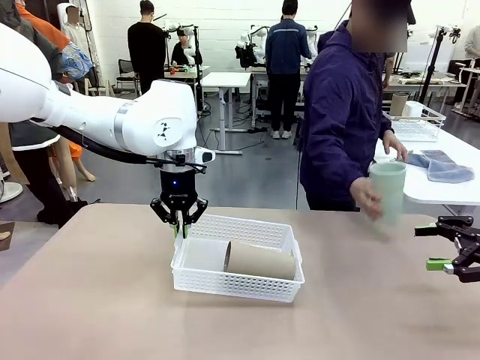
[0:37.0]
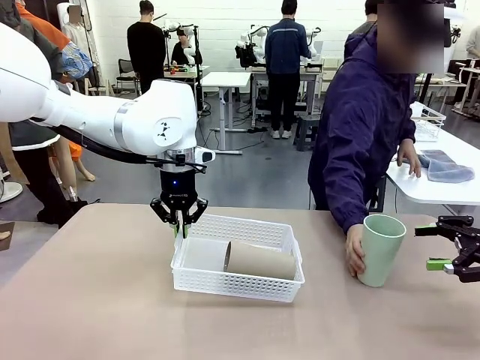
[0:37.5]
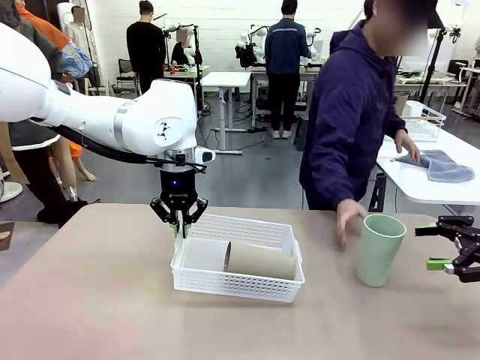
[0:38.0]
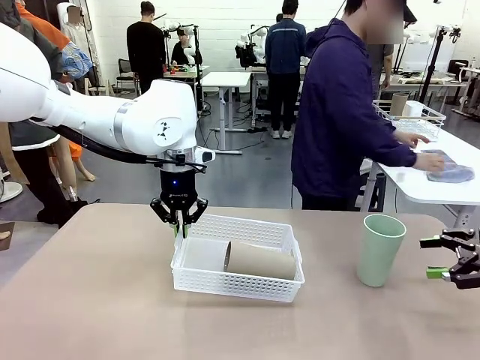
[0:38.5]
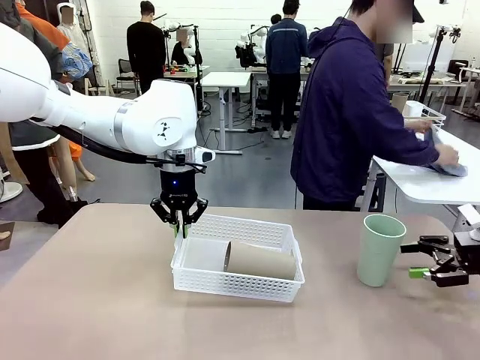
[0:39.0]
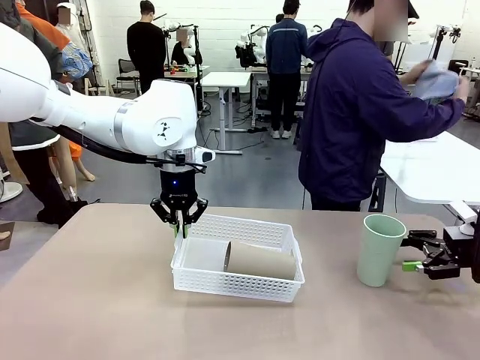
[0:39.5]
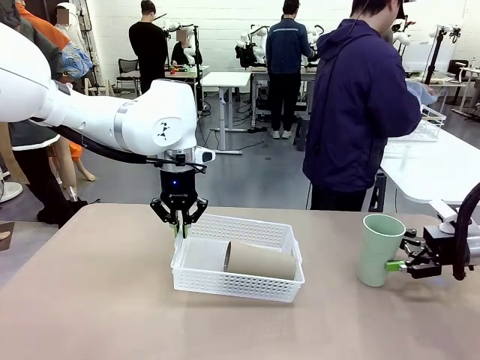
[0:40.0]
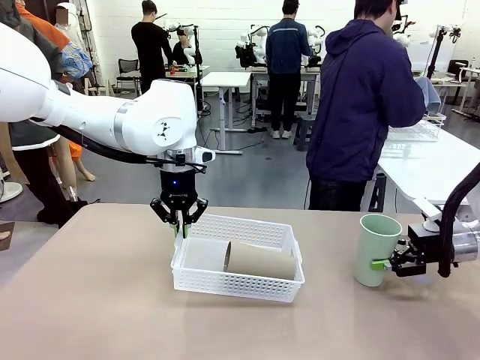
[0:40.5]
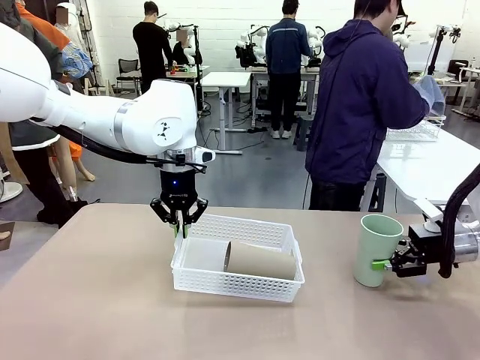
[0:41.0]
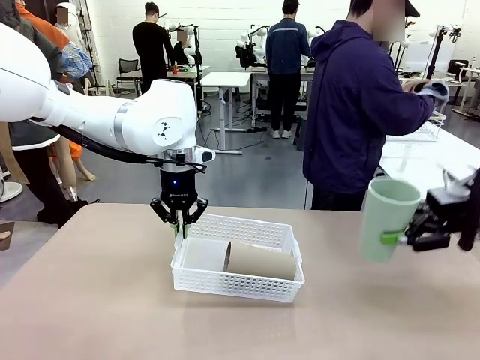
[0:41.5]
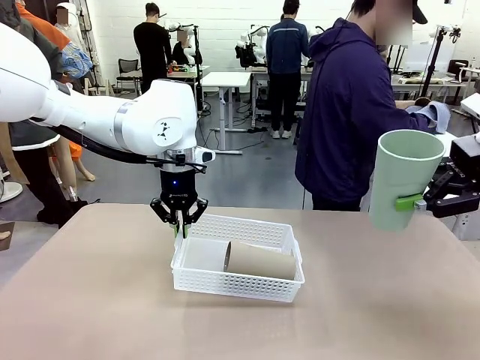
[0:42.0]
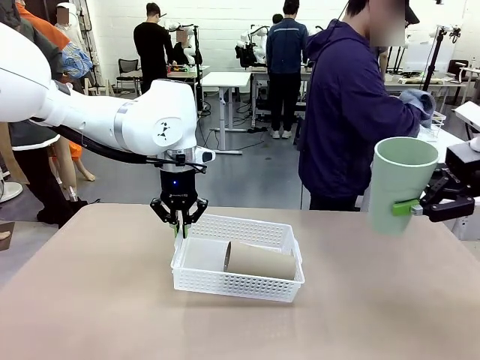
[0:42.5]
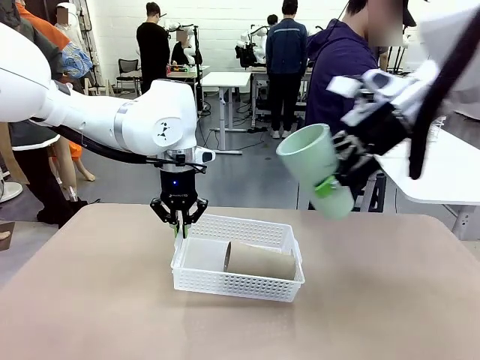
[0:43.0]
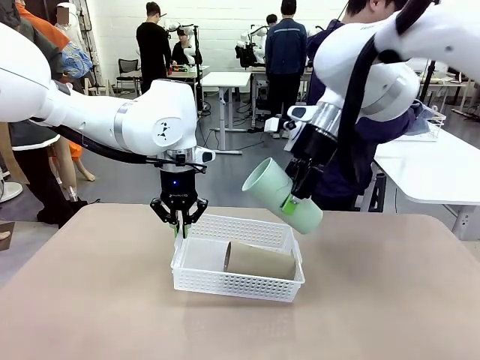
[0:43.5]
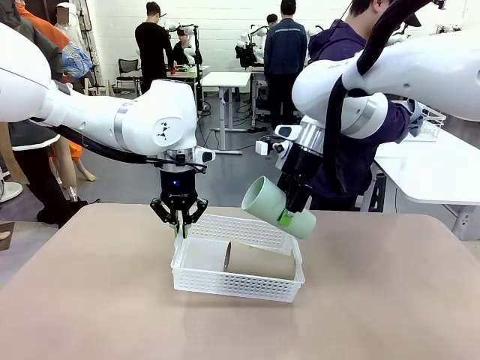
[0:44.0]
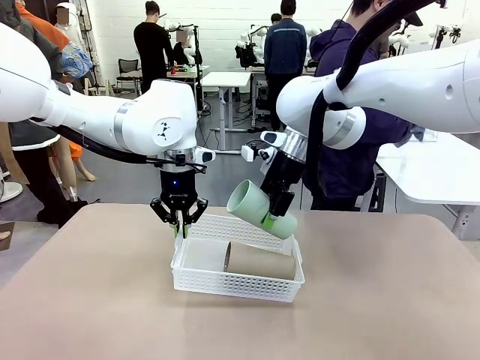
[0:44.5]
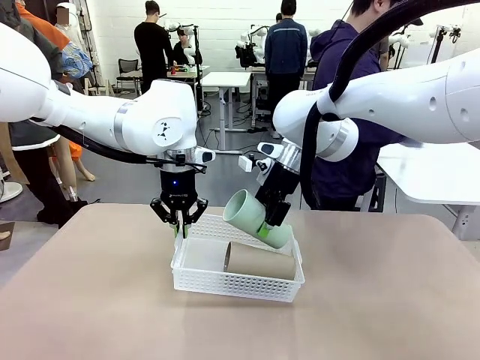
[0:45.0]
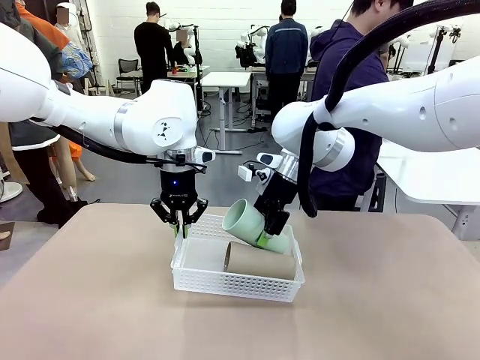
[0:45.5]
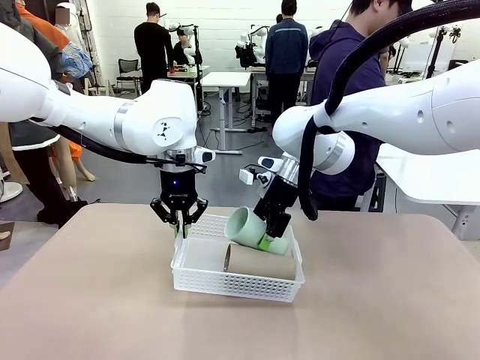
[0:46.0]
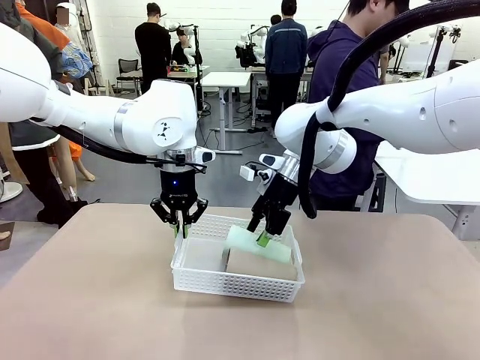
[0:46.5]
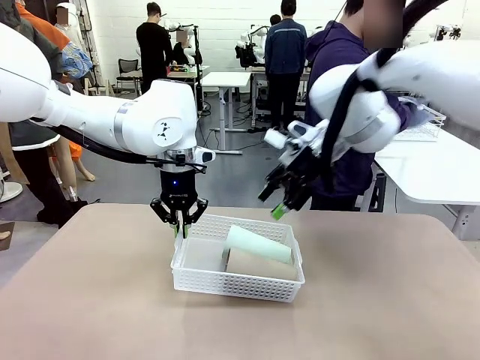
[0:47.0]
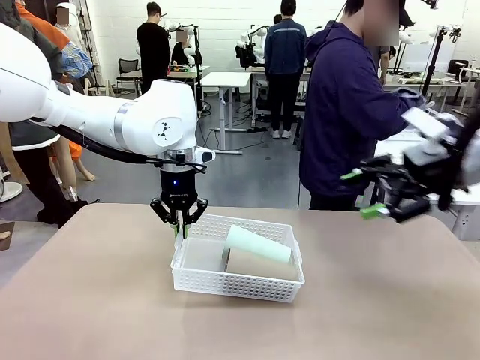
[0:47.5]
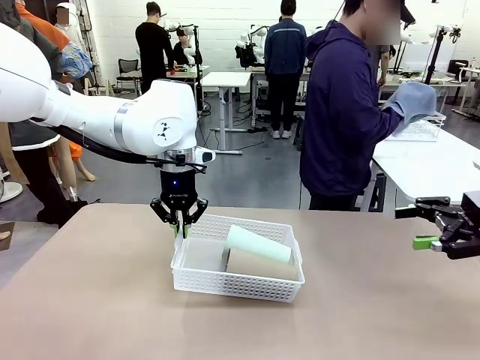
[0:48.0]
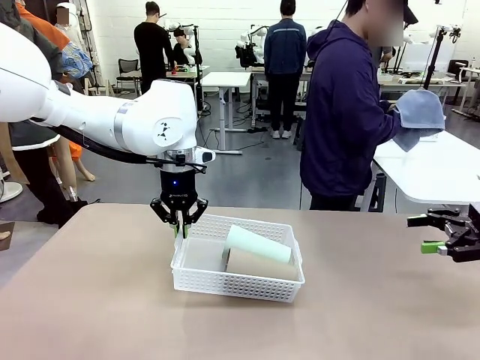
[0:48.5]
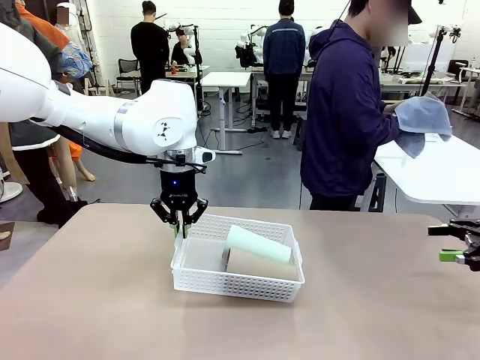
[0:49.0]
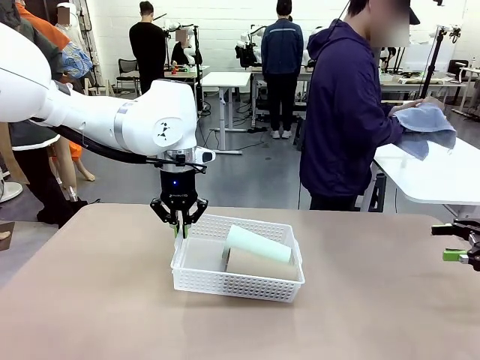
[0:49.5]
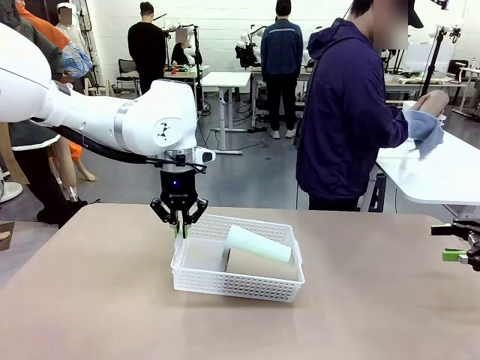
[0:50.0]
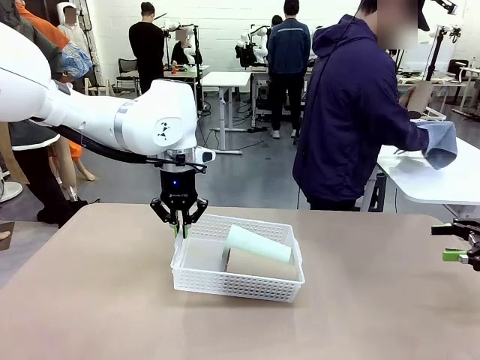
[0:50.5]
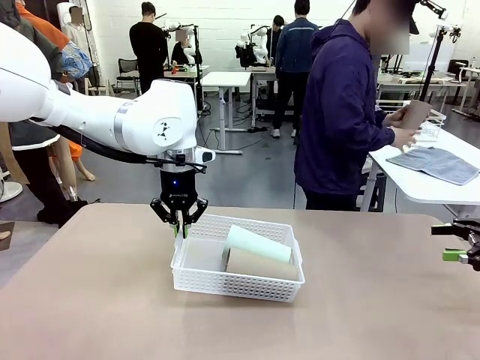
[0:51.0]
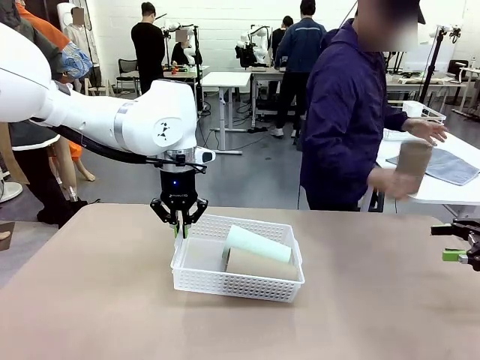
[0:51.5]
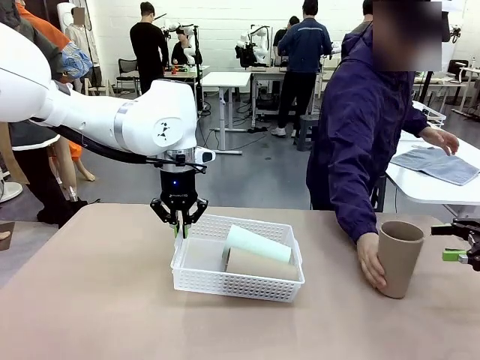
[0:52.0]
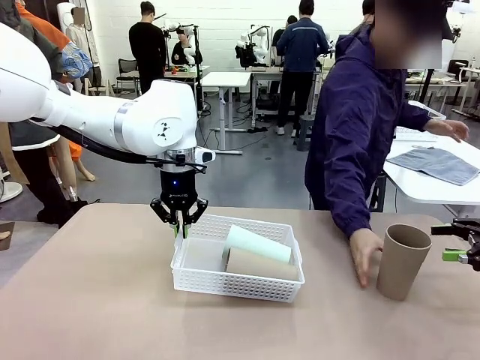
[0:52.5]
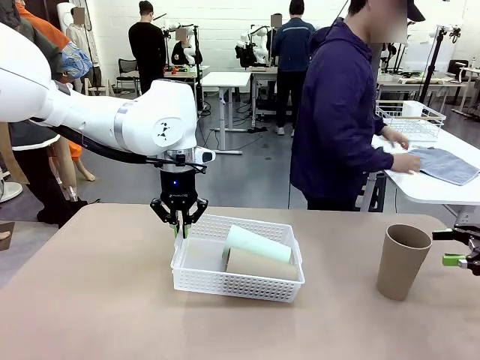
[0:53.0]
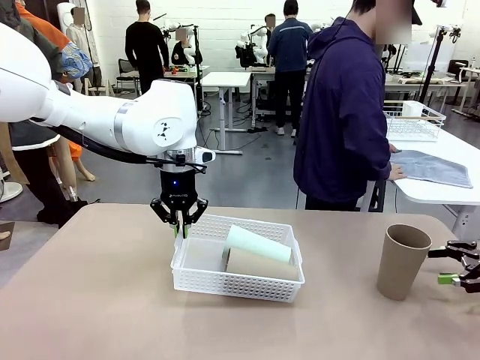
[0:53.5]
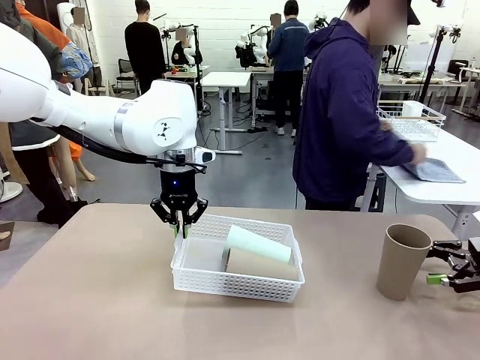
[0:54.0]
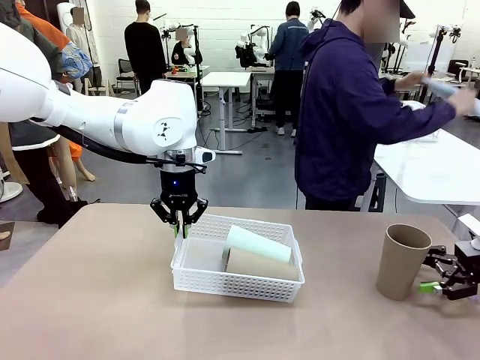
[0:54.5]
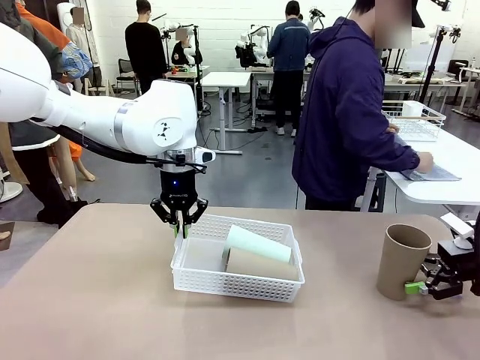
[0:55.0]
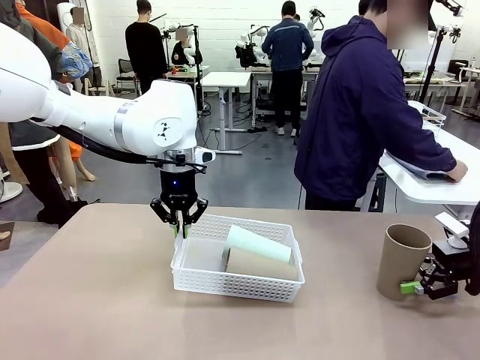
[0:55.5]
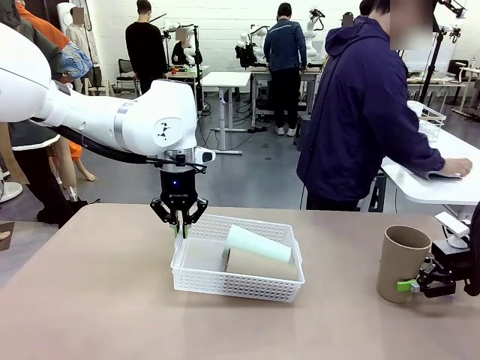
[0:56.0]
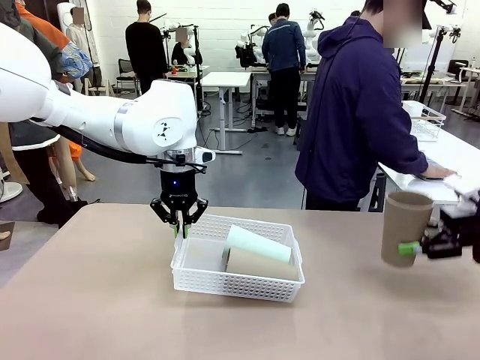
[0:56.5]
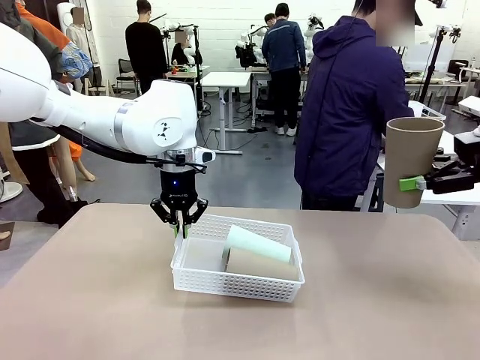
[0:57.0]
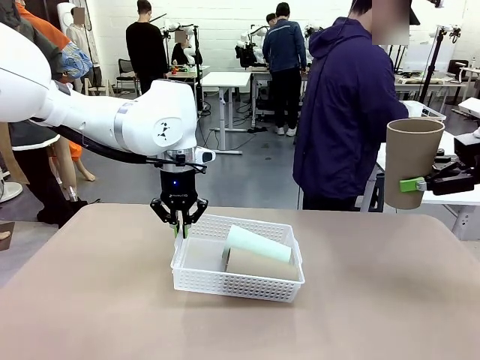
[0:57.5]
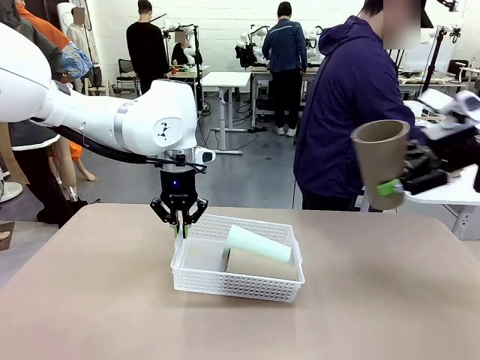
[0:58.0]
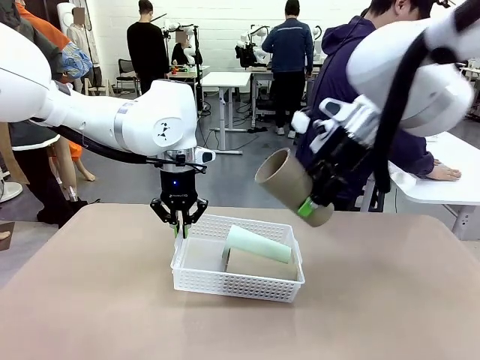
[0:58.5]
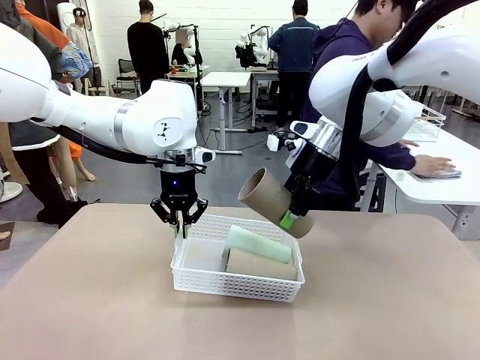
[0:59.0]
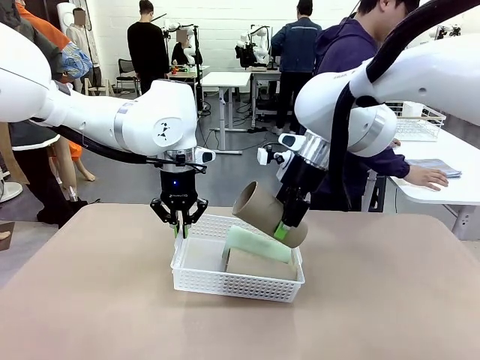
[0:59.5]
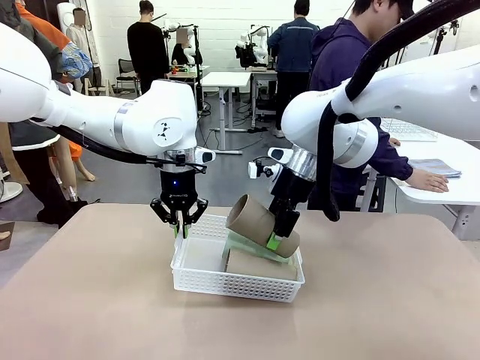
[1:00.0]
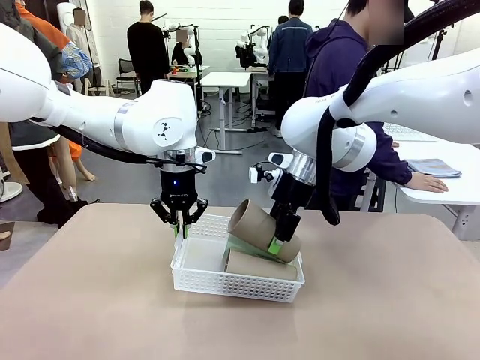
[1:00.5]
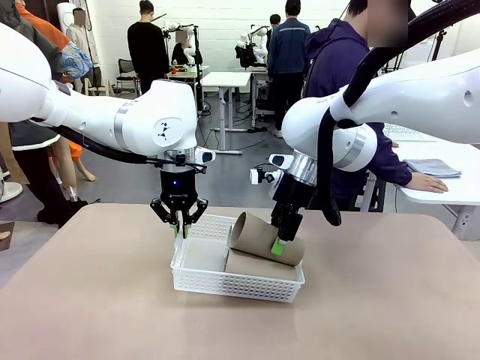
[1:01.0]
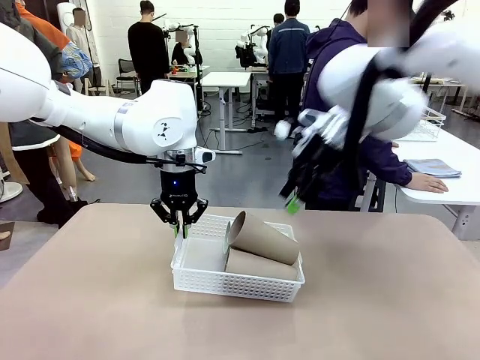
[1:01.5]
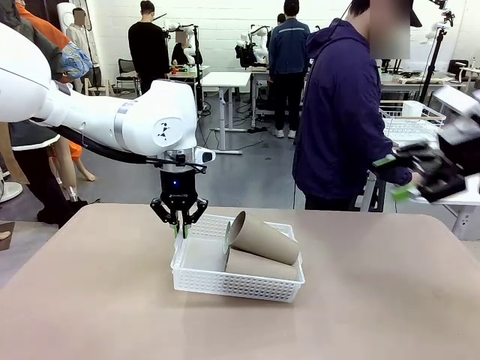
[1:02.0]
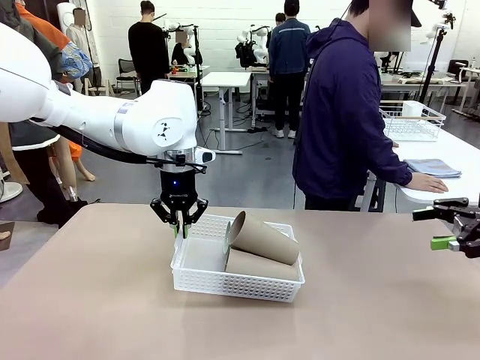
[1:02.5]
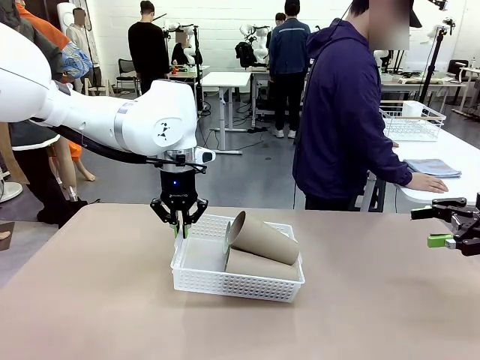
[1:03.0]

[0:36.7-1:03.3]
Task: Clean and organize the cups into the basket.
Robot: Pick up the Reusable plastic cup from the right side of the table and stack it inside the Organizing basket in the center of the table.
